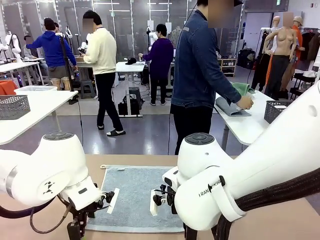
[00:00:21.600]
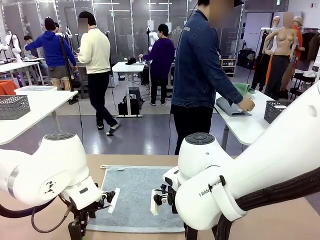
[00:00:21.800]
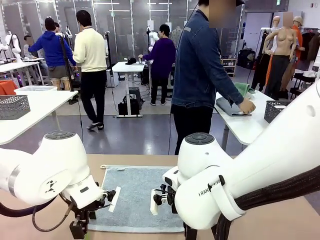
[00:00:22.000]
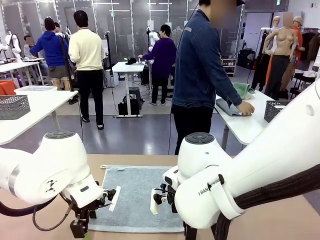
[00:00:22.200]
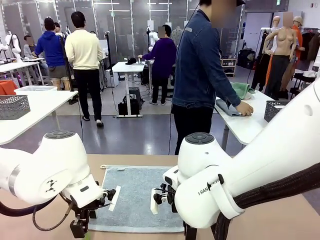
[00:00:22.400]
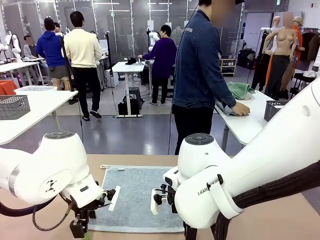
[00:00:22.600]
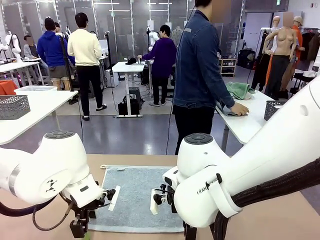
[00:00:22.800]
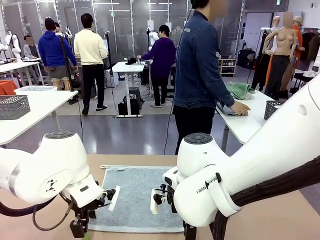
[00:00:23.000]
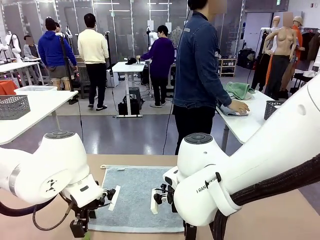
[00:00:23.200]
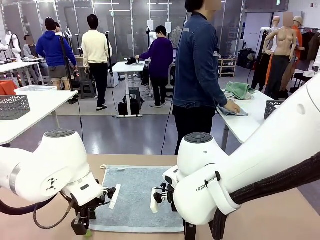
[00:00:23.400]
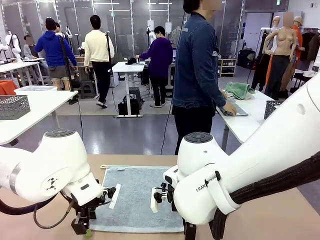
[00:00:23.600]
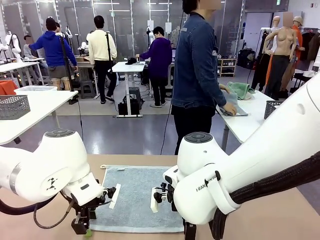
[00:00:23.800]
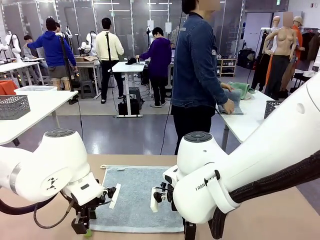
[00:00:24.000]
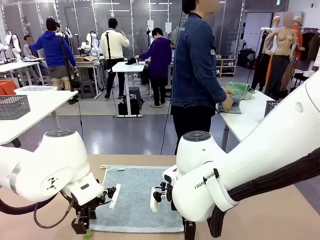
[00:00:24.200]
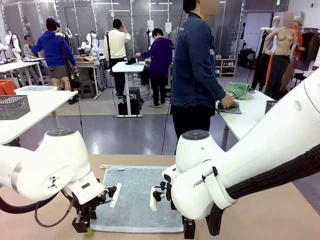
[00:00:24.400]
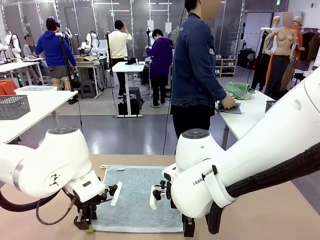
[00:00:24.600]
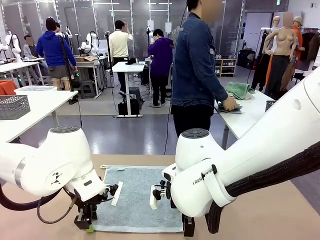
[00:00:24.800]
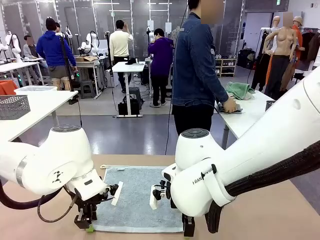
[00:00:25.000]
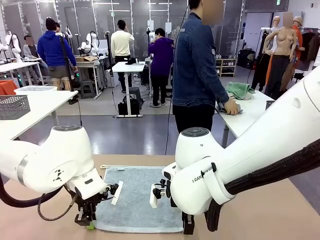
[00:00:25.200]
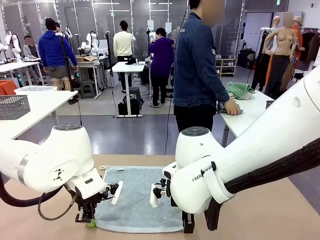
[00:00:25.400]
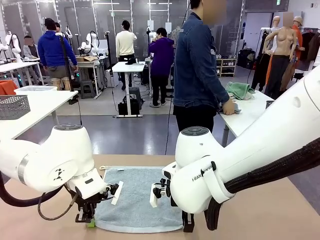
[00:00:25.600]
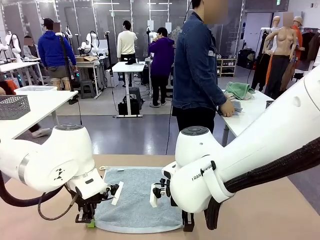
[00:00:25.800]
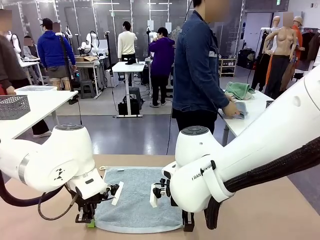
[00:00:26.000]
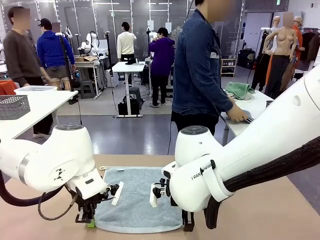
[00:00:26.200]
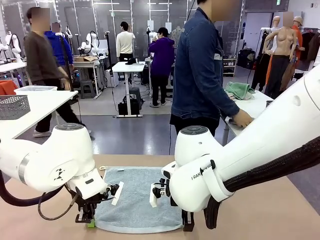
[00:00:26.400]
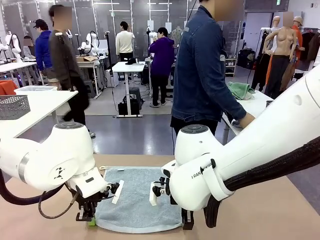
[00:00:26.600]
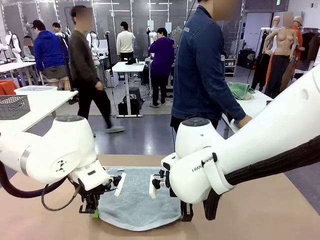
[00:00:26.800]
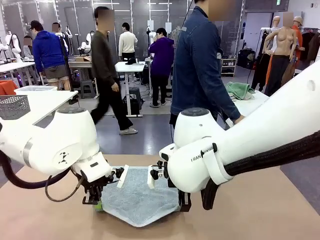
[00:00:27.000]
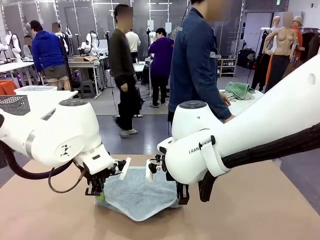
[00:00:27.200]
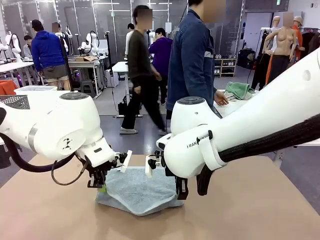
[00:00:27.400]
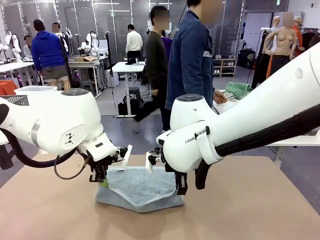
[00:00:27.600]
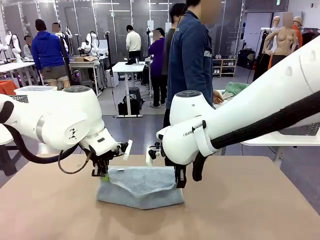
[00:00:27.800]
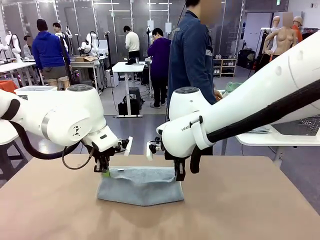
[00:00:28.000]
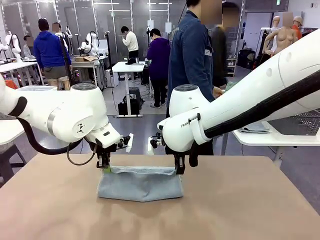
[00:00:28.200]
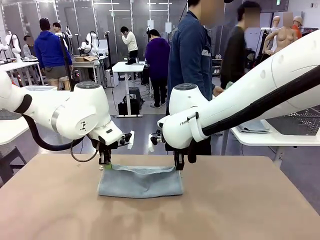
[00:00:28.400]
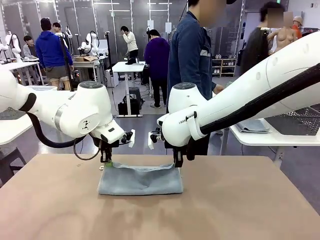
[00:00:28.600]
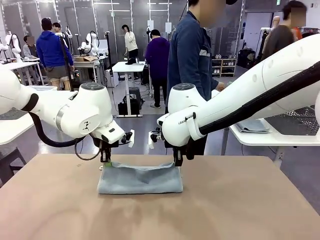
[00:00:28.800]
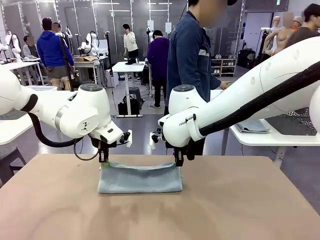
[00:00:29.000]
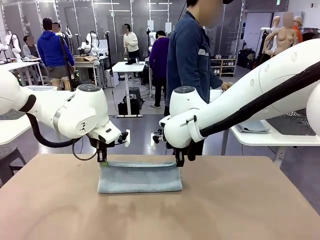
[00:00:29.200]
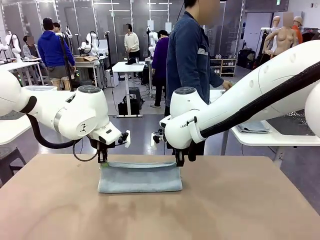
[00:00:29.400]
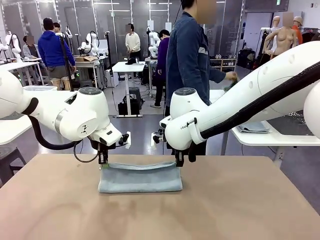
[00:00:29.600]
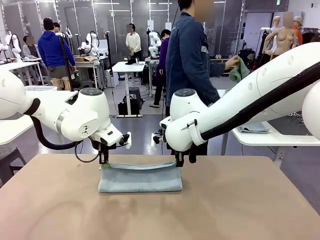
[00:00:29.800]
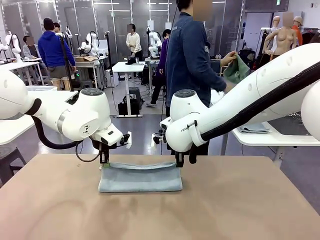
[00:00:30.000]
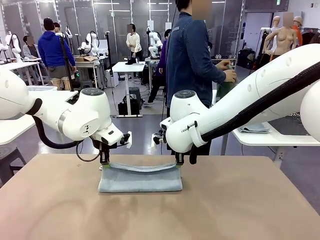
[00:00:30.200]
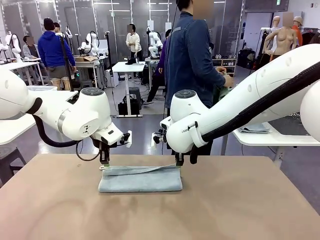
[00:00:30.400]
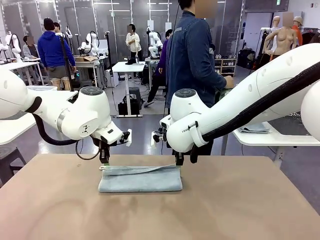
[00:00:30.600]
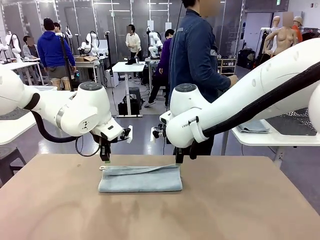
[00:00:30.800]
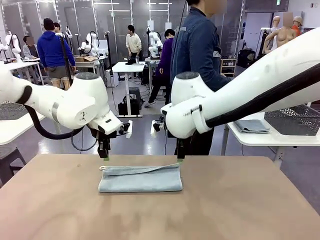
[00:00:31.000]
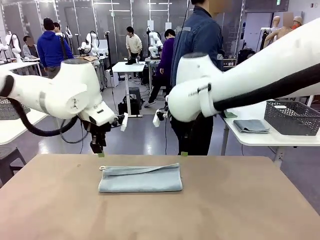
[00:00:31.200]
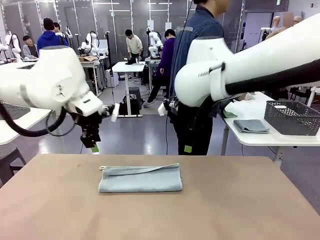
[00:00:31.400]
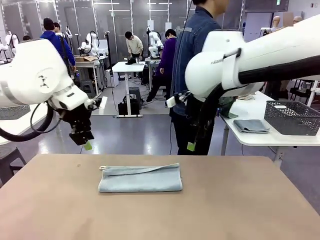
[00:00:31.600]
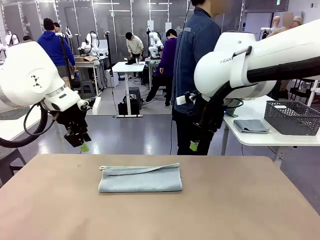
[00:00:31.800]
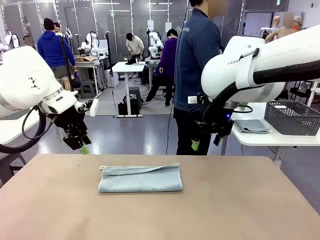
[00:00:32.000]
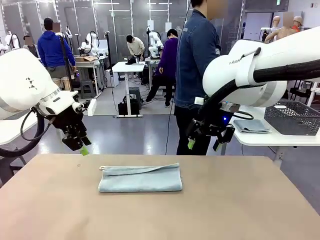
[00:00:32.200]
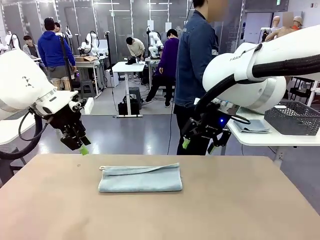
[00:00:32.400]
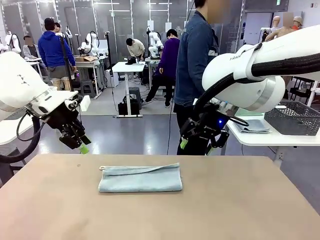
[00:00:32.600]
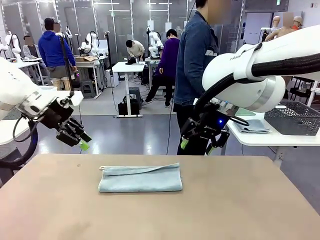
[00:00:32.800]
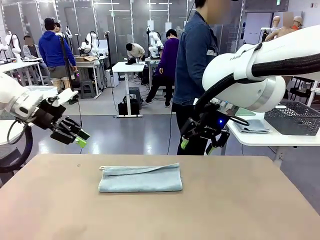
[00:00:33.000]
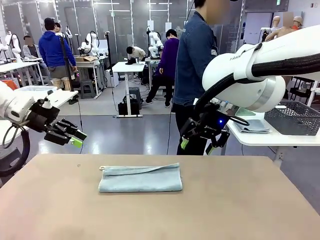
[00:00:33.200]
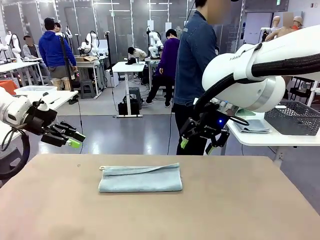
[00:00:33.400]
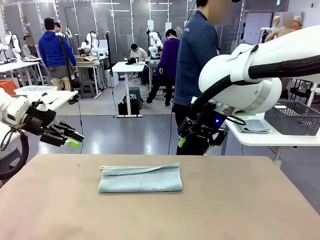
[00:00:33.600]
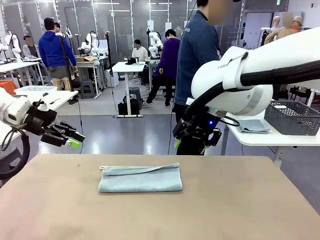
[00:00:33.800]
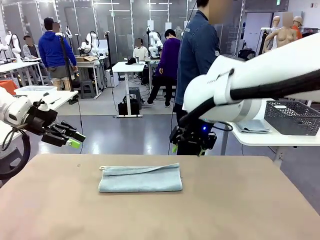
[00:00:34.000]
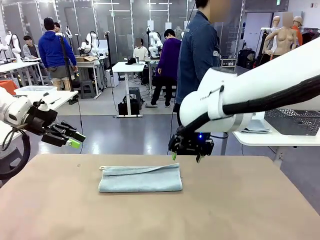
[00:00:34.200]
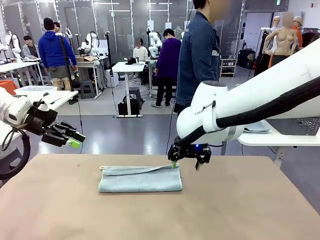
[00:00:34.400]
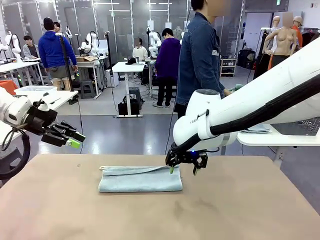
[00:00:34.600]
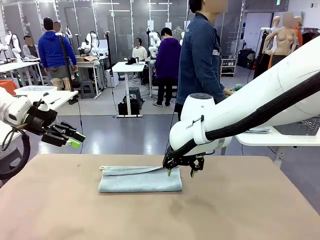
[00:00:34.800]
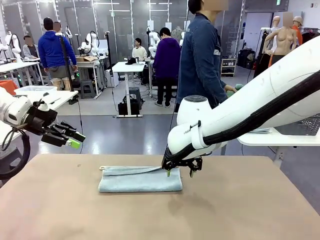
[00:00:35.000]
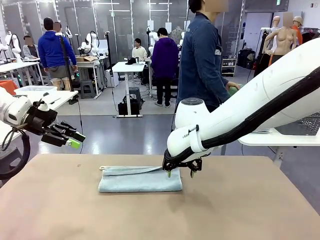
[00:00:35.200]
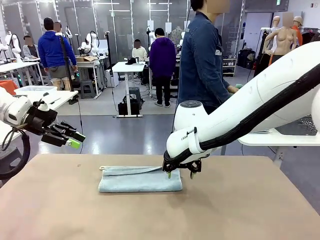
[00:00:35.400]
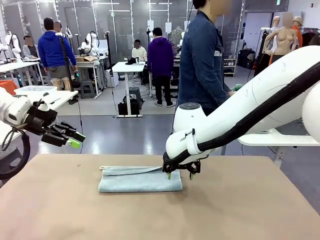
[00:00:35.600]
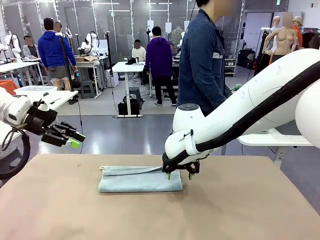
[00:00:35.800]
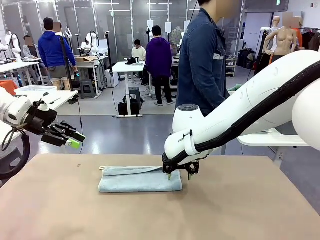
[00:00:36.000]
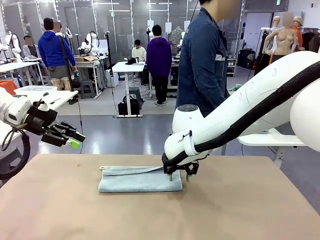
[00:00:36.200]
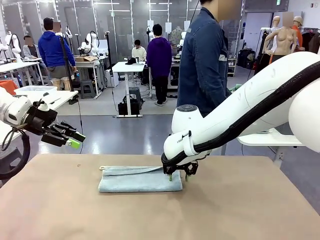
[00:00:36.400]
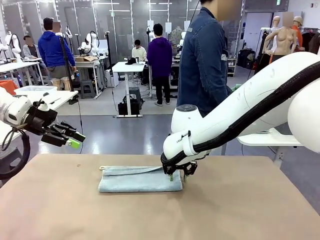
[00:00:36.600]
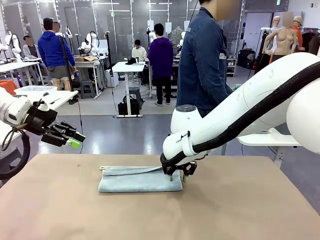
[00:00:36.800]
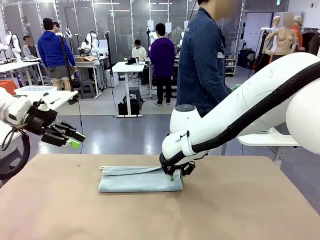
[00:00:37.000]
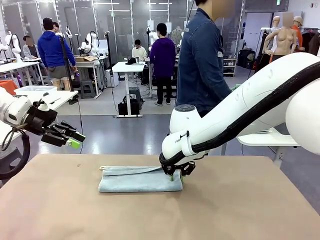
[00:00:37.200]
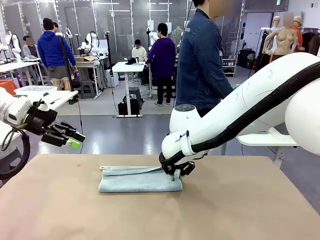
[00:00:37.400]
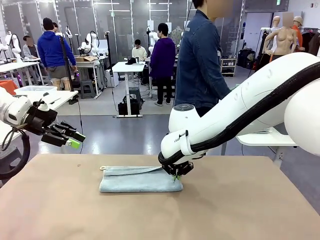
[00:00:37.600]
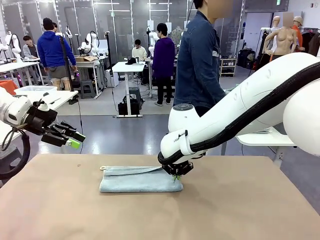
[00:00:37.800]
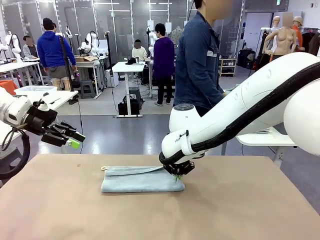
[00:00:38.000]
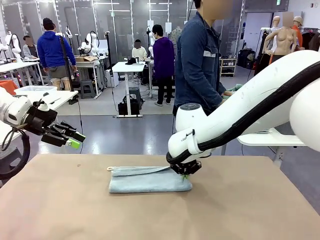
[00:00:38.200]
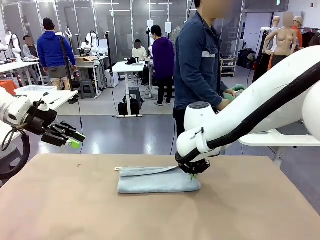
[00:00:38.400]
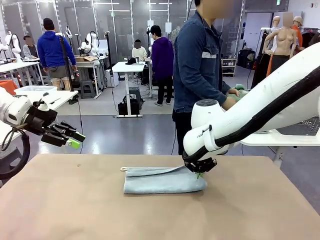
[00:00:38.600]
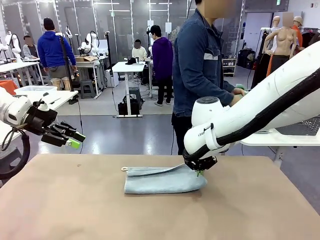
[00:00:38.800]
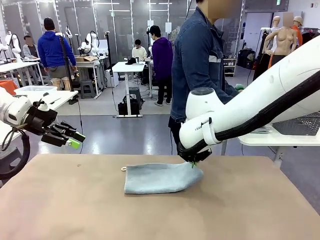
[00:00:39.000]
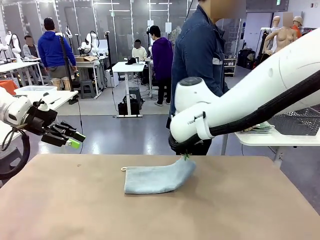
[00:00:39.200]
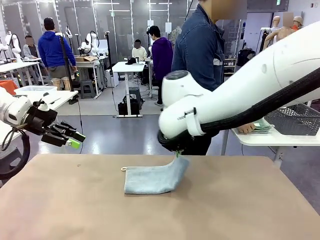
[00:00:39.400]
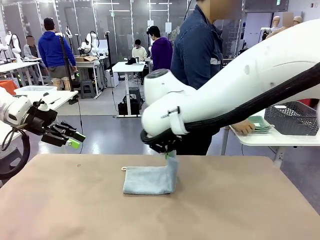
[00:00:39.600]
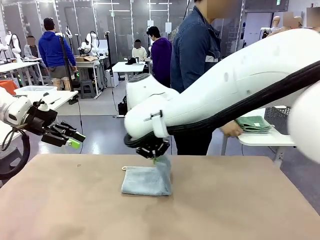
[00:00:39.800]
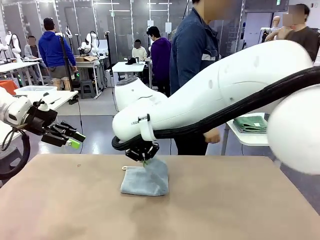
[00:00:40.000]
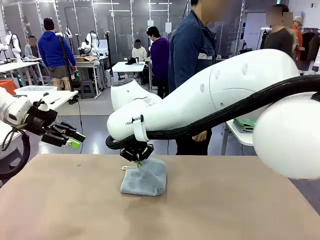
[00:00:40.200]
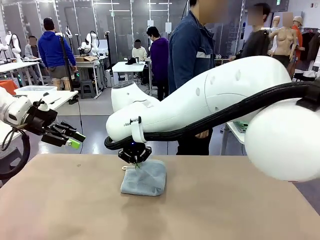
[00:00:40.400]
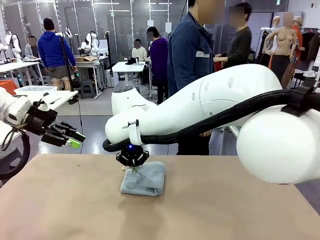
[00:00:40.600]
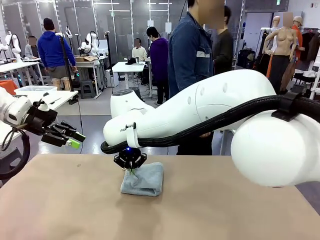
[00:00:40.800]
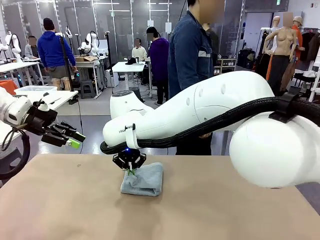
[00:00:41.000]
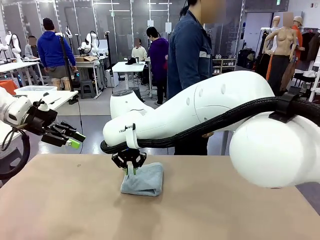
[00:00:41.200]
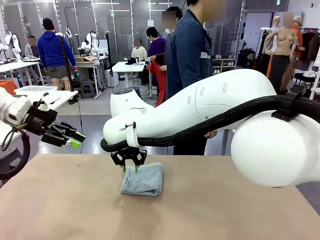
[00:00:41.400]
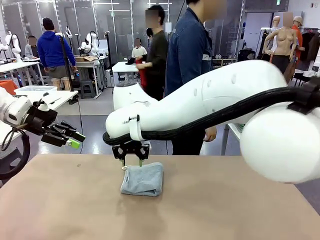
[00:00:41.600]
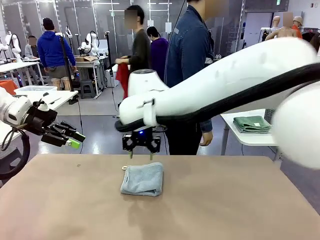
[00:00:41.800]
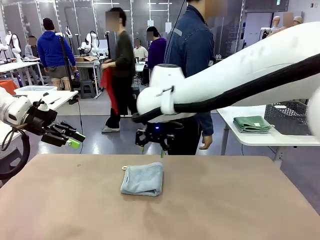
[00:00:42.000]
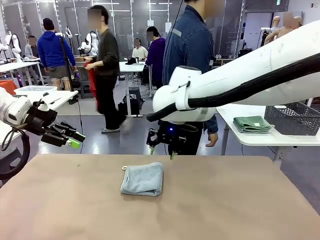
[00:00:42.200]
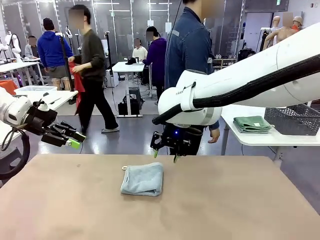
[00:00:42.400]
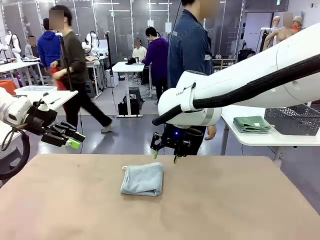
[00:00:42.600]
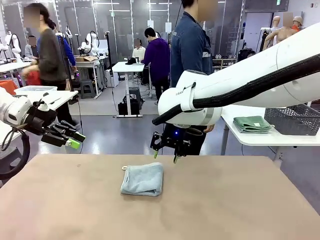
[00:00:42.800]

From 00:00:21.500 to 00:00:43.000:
Task: Fold the towels and place them in the basket.
Robot: When a person lays out a Towel with hook on the table, fold it in half twice.
Person: Pick up one towel from the left side of the human table, fold it in half twice, and stack it on the right side of the table.
